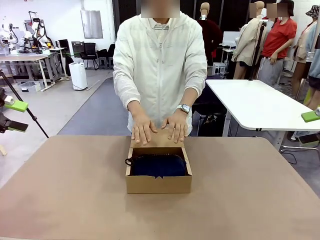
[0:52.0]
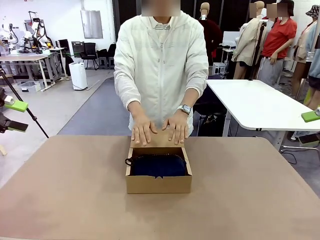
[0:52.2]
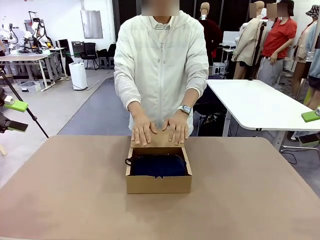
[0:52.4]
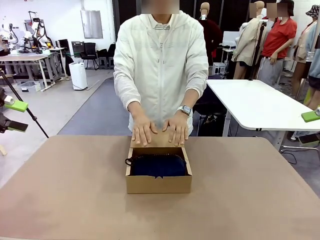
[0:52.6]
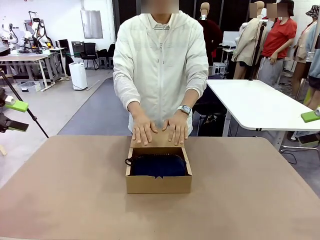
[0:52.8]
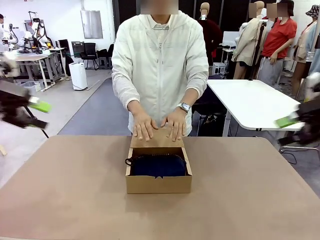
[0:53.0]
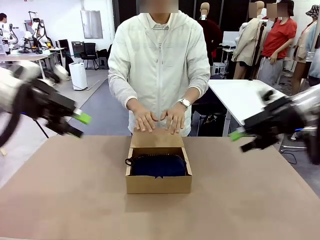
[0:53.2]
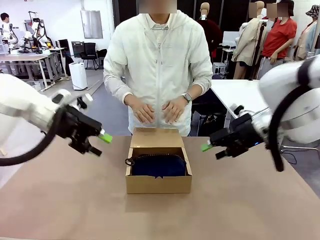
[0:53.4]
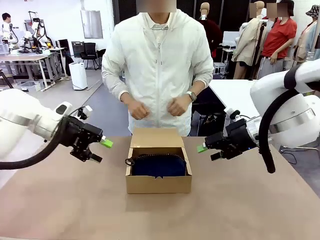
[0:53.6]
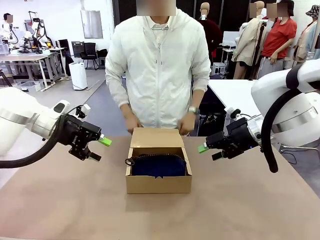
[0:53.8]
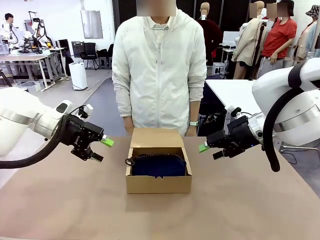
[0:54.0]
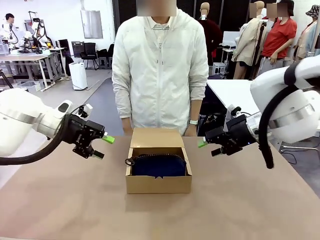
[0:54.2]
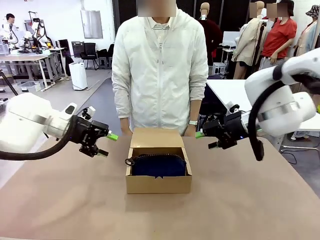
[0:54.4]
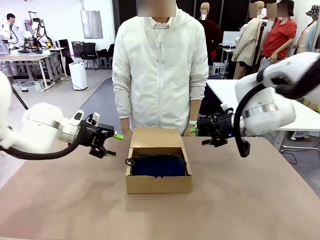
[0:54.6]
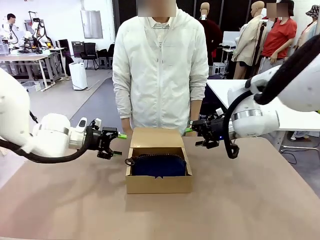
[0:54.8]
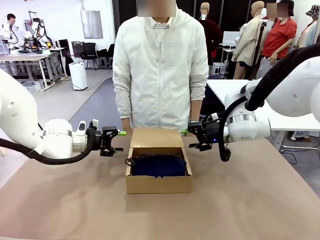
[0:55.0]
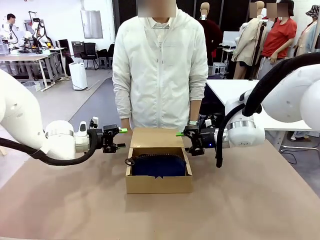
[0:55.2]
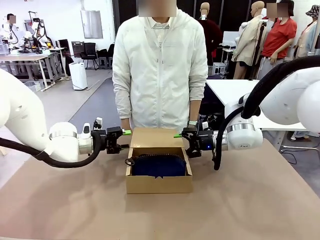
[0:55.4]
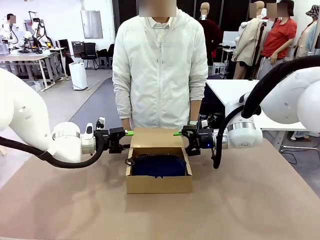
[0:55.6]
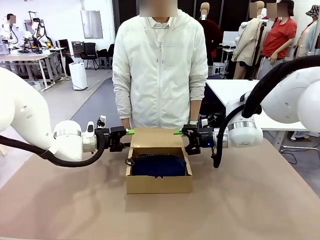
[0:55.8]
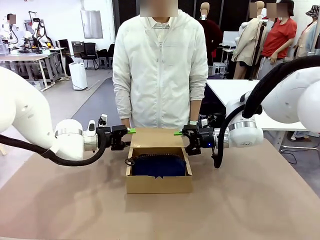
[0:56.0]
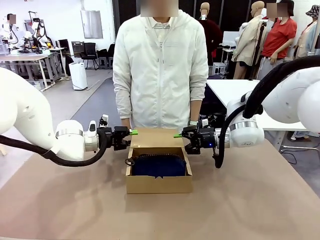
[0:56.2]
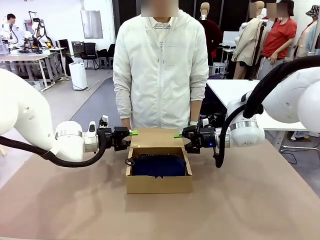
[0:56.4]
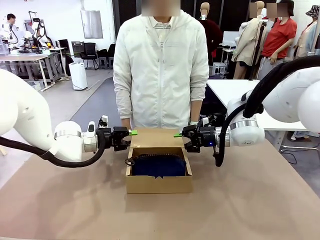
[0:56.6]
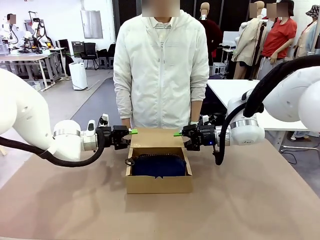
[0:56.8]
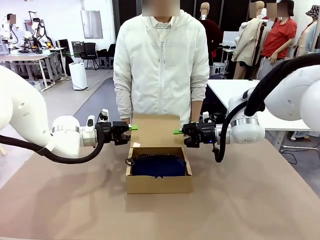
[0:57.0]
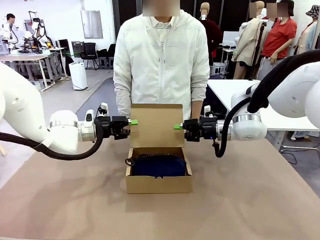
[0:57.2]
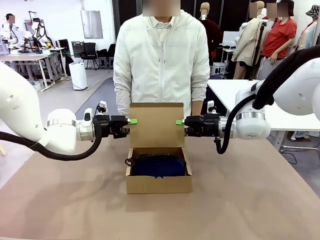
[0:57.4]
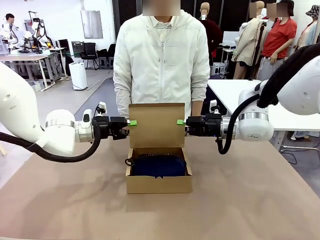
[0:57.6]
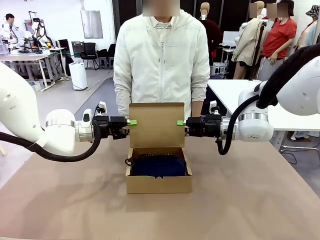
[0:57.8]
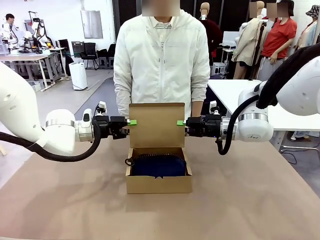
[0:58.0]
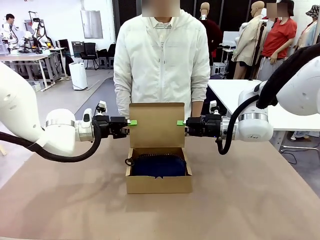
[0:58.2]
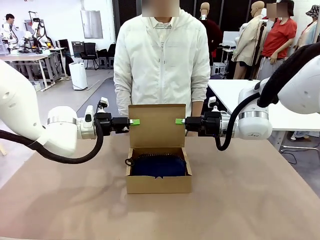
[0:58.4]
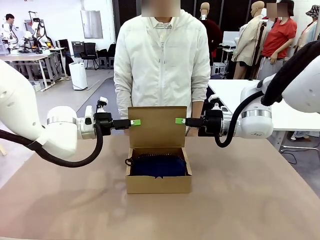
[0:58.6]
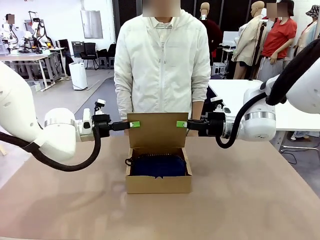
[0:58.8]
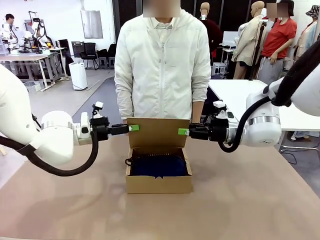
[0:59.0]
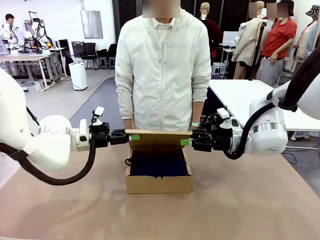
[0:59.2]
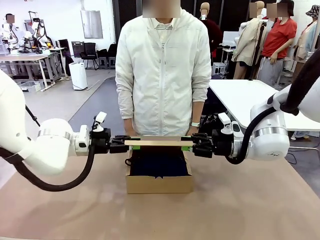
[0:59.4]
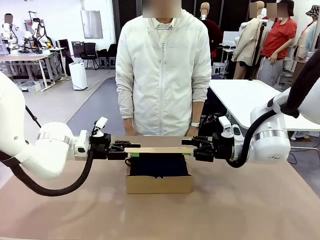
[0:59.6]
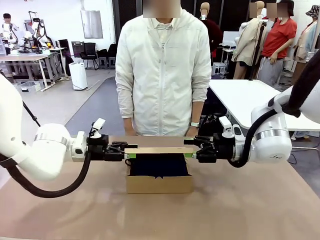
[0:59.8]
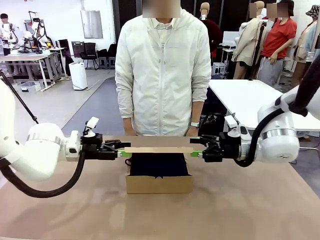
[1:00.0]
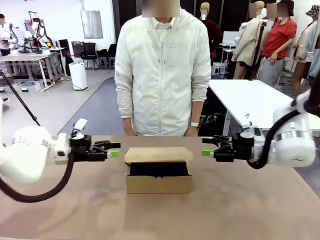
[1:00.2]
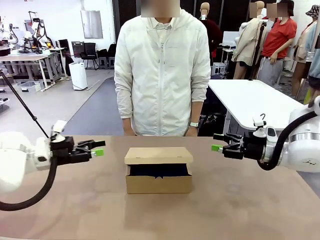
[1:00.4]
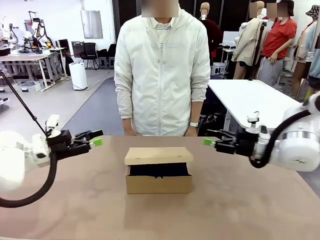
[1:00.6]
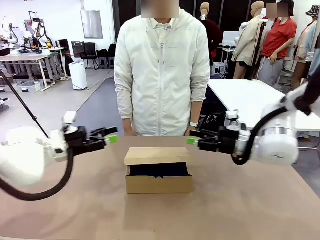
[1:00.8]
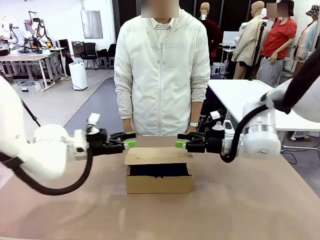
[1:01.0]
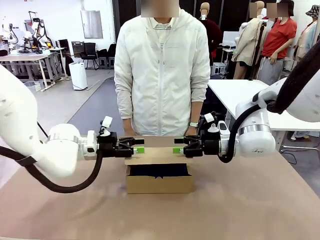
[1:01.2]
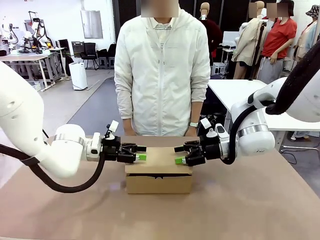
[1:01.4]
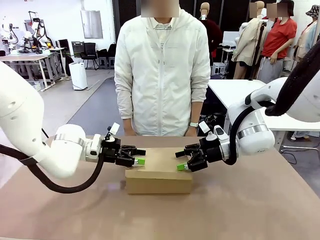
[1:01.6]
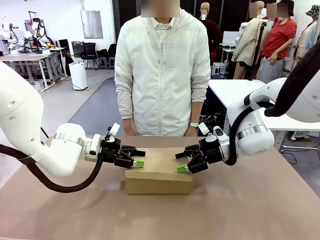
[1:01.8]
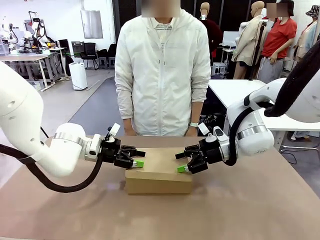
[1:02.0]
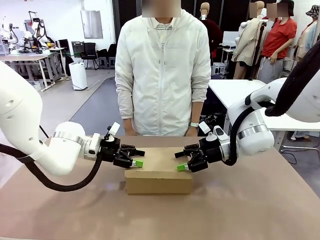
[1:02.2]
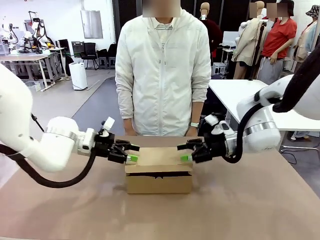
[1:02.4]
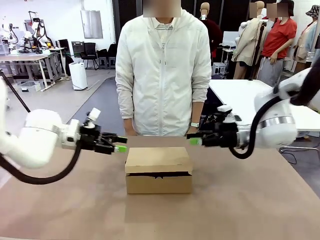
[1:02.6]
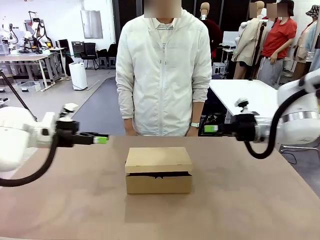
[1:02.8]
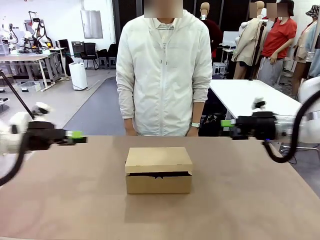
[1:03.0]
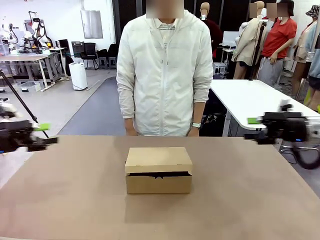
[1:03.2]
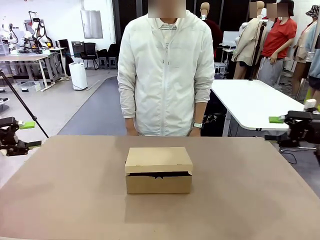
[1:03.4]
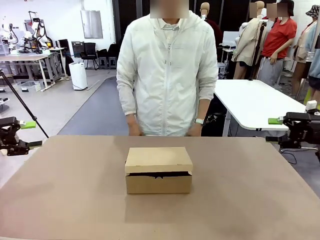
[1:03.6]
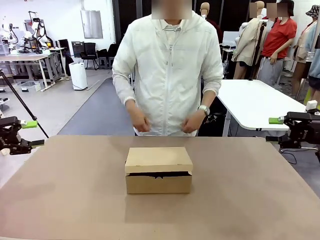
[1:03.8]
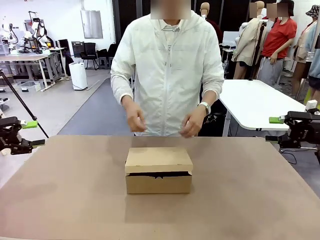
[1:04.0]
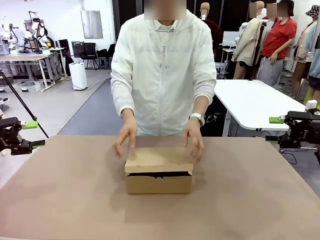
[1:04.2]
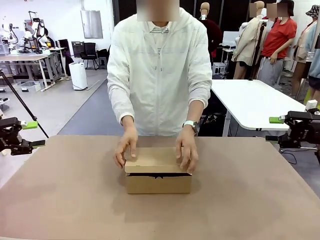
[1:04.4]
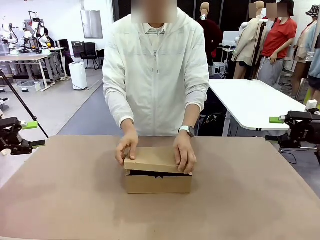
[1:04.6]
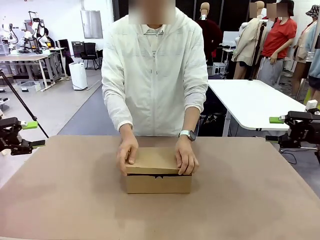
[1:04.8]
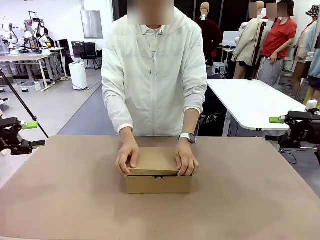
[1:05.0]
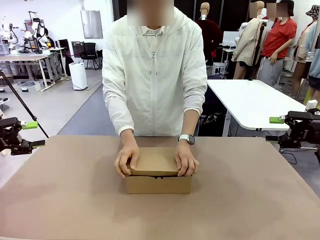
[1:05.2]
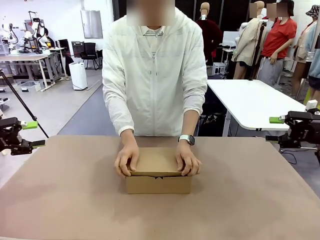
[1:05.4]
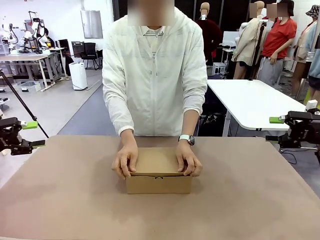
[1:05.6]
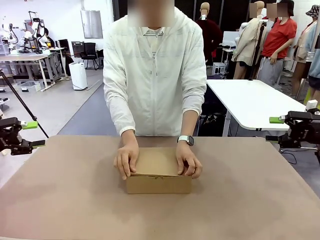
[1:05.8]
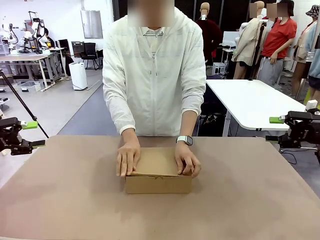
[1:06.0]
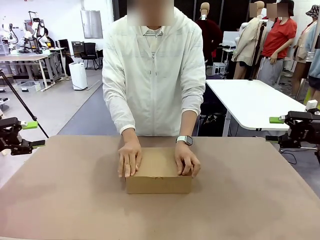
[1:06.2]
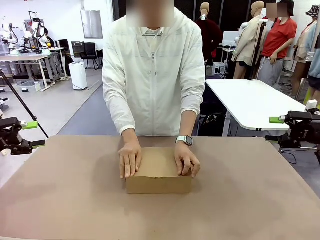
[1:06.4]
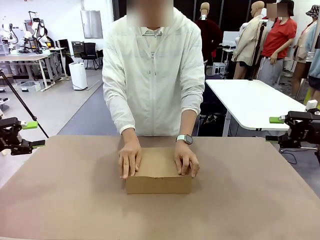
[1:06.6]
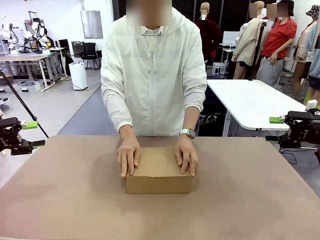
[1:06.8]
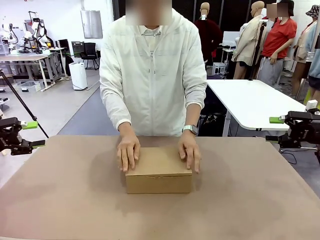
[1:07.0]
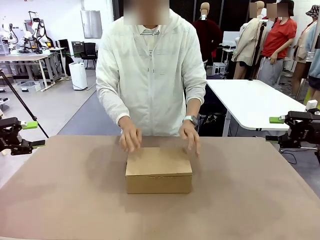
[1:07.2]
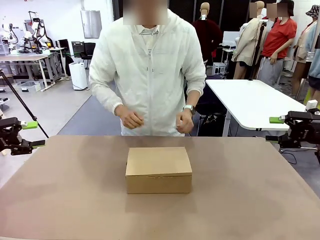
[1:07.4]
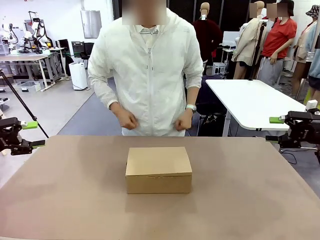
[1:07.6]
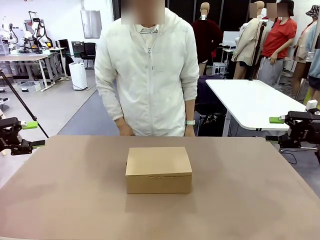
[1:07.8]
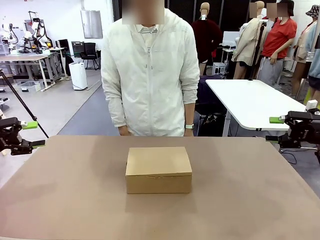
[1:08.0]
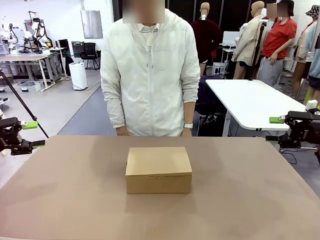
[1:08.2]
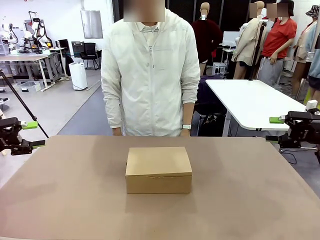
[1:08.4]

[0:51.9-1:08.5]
Task: Pack the items into the box.
Robot: Close the Mailer Box.
Person: Turn the box and lock it.

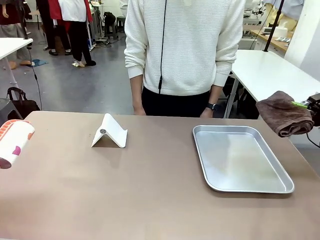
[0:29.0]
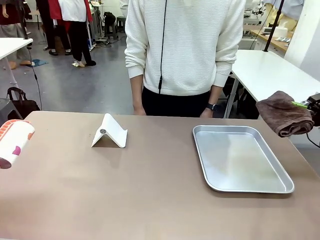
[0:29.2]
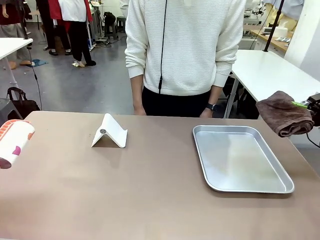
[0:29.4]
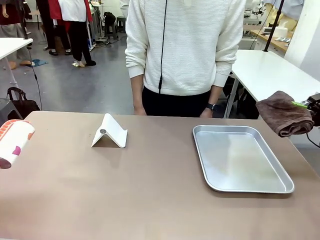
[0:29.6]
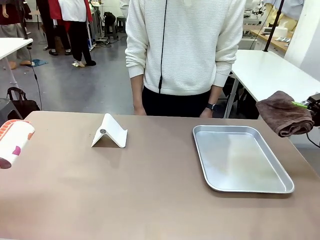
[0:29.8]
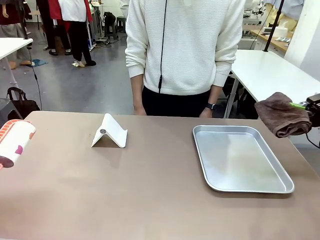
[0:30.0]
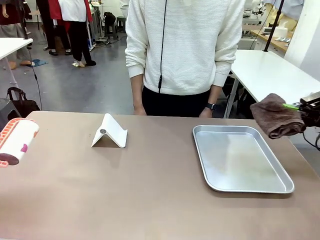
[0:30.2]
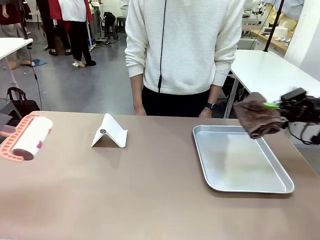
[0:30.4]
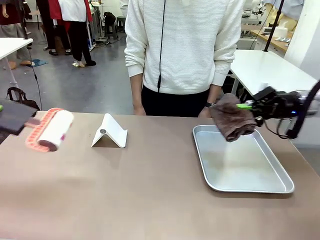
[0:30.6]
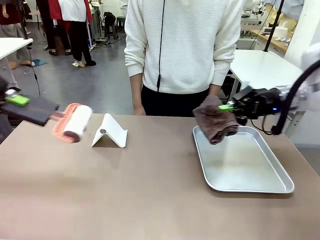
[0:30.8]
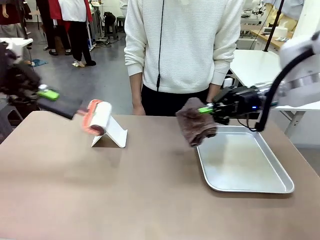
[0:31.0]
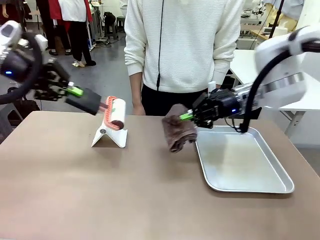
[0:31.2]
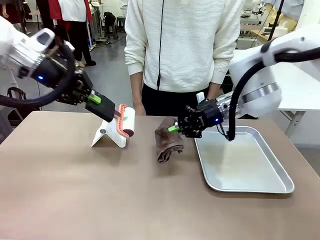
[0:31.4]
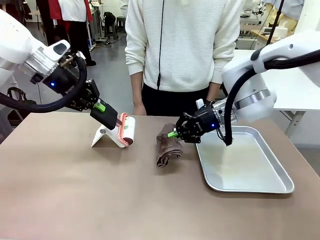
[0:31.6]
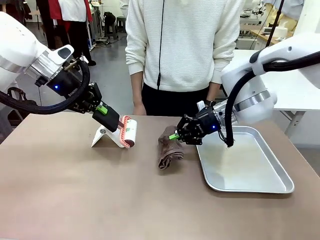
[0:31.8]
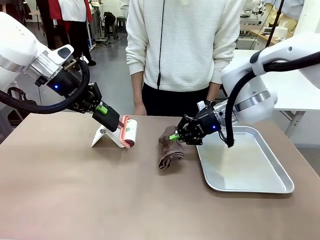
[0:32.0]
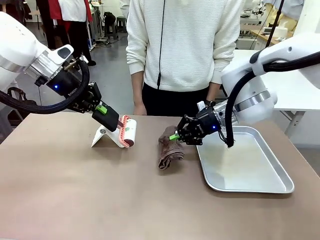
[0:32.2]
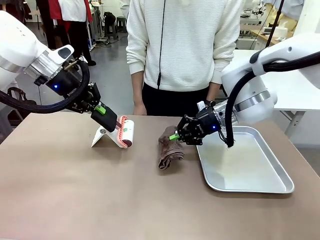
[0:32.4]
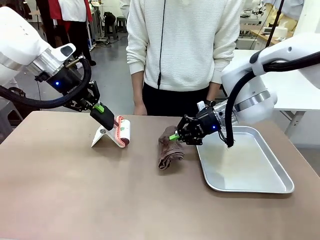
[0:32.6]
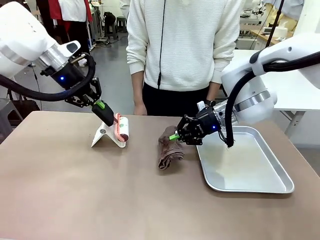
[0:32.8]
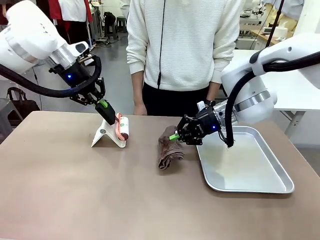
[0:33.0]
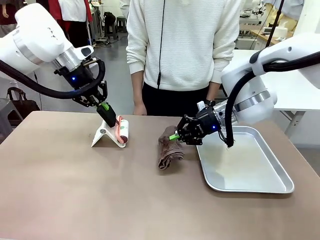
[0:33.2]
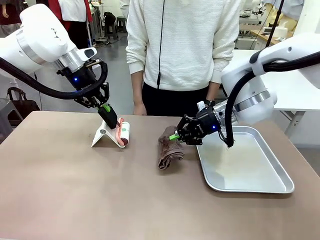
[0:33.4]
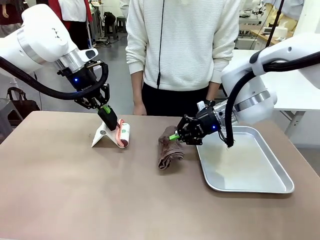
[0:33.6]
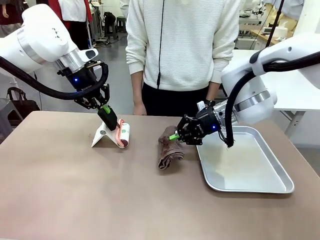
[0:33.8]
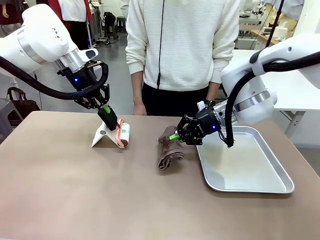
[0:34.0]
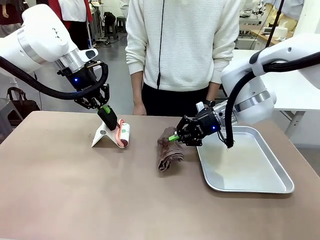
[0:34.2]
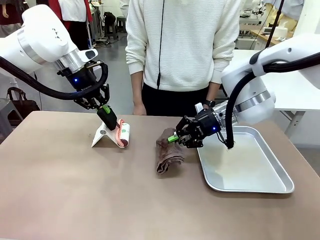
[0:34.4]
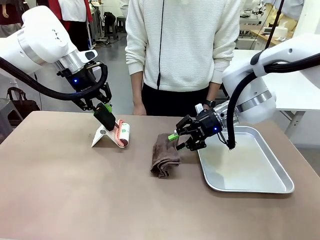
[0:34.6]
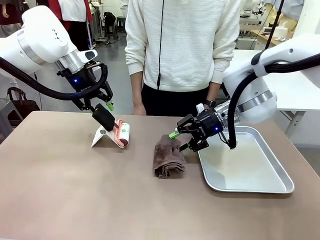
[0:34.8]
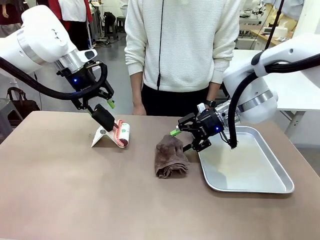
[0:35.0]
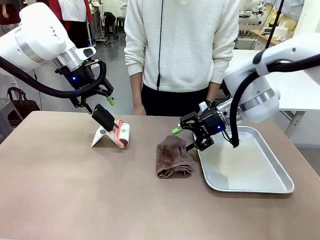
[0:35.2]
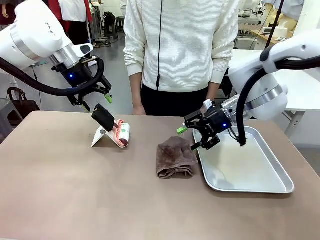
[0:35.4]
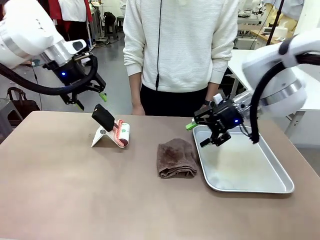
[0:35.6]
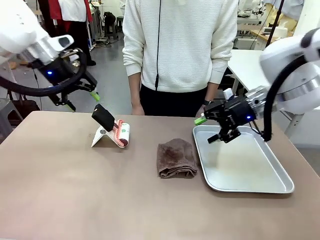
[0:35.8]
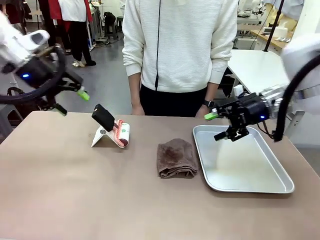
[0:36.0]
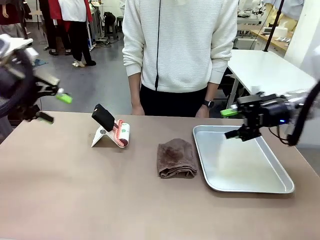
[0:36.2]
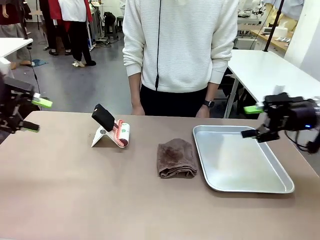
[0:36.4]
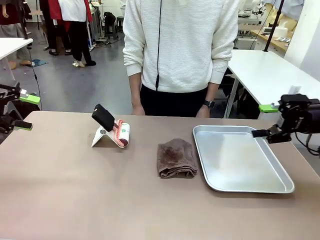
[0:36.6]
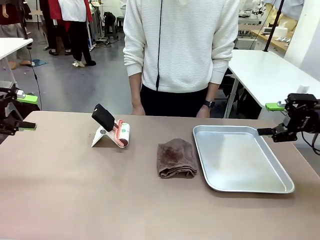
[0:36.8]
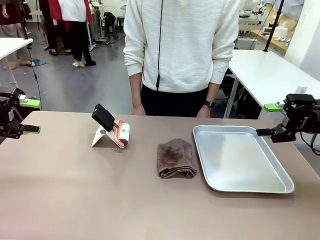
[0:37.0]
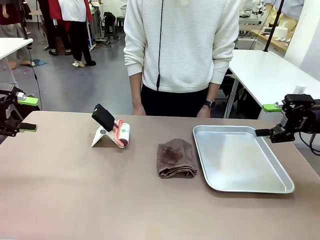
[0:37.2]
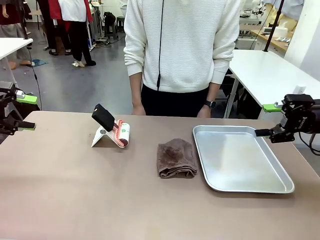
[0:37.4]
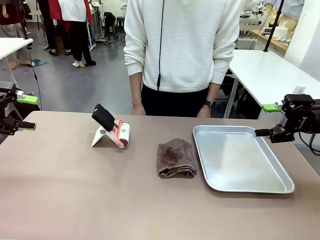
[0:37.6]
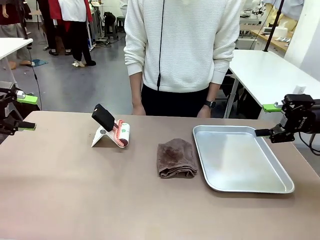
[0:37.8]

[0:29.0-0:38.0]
Task: Clean the surface of the table.
Robot: Return the Lint Roller and towel to their original positions.
